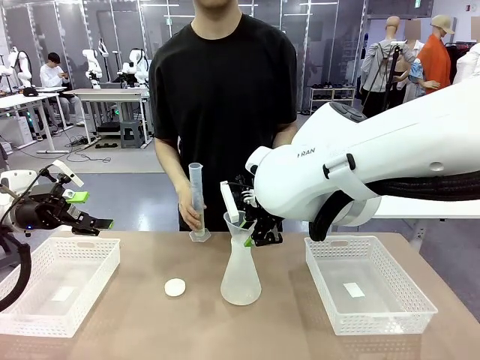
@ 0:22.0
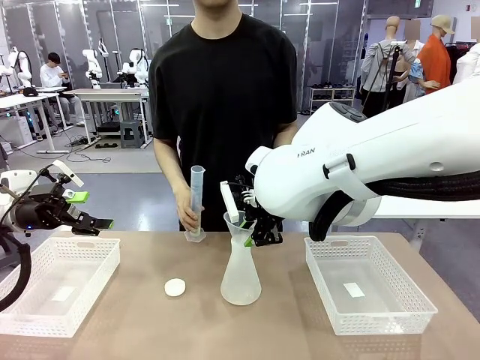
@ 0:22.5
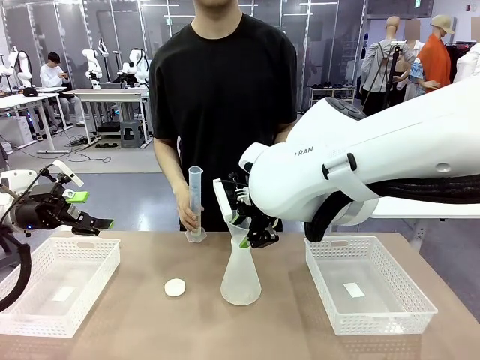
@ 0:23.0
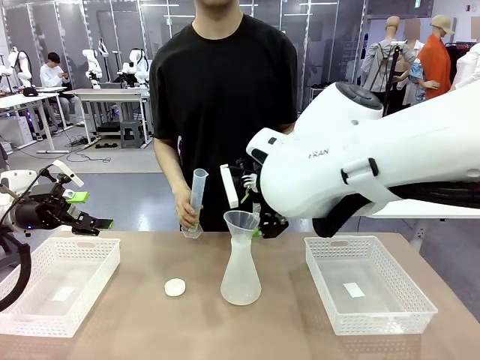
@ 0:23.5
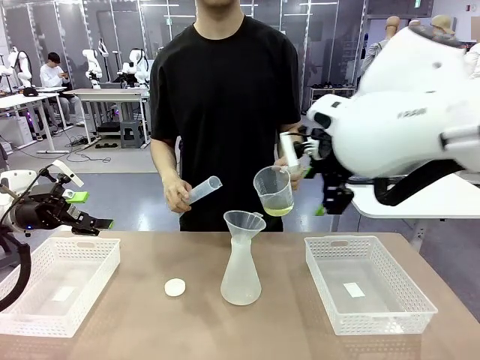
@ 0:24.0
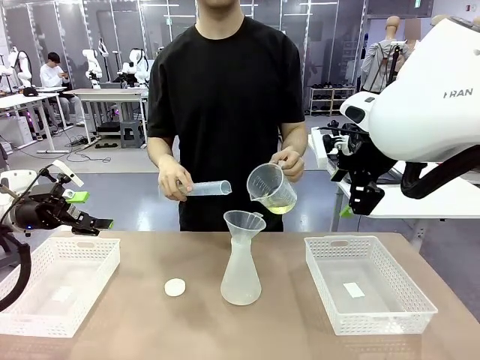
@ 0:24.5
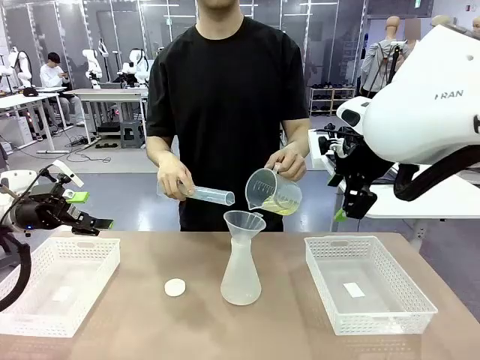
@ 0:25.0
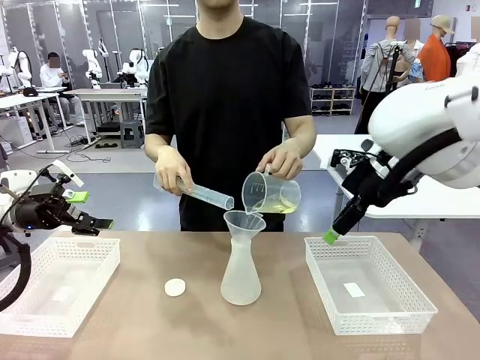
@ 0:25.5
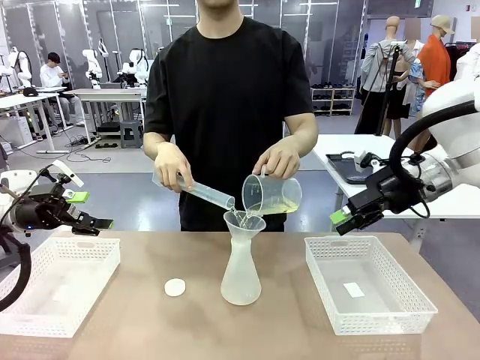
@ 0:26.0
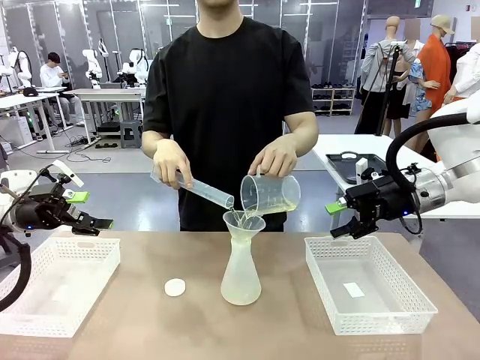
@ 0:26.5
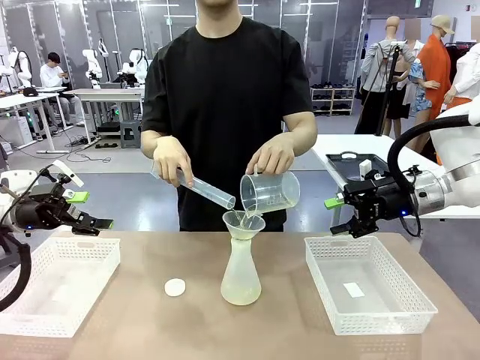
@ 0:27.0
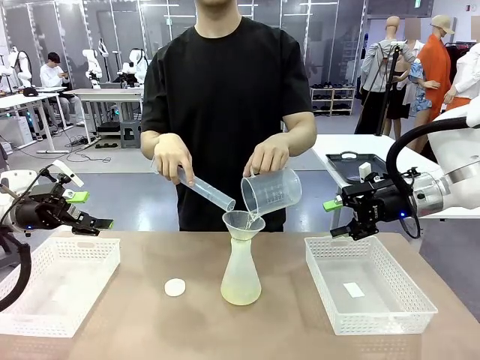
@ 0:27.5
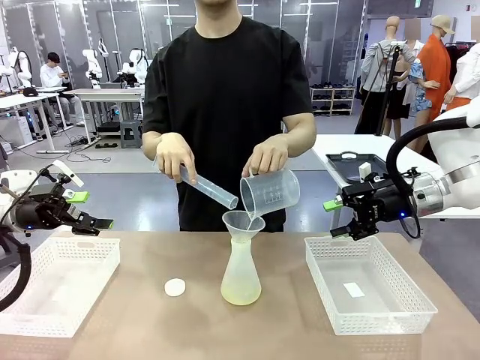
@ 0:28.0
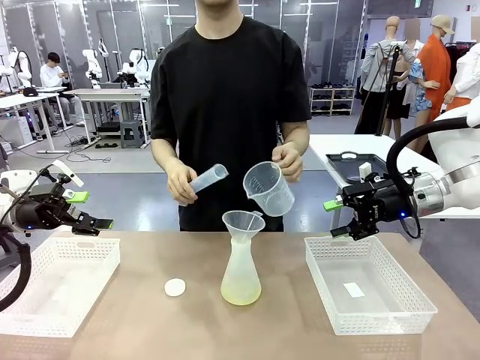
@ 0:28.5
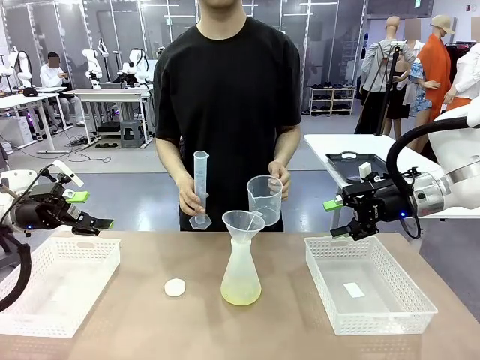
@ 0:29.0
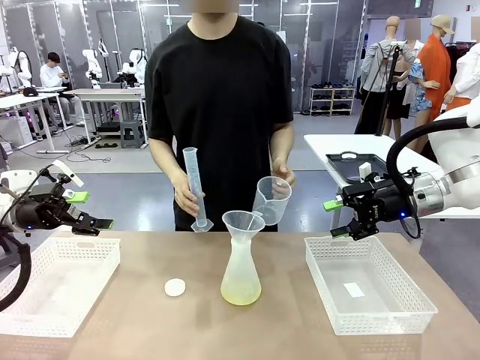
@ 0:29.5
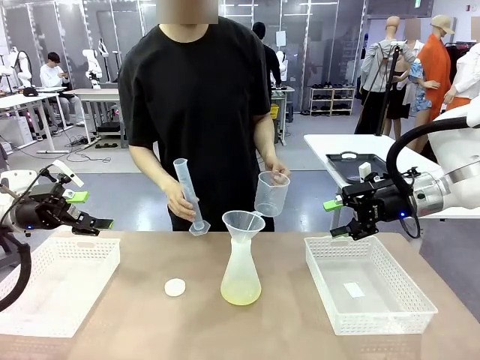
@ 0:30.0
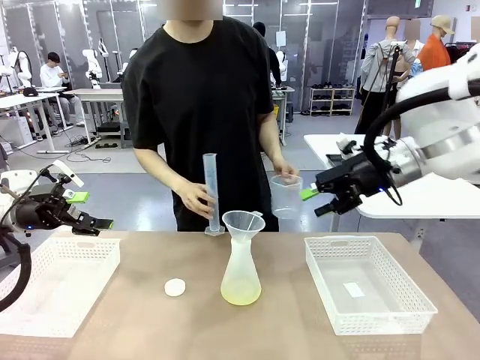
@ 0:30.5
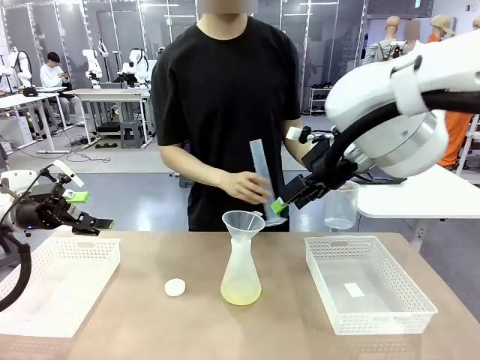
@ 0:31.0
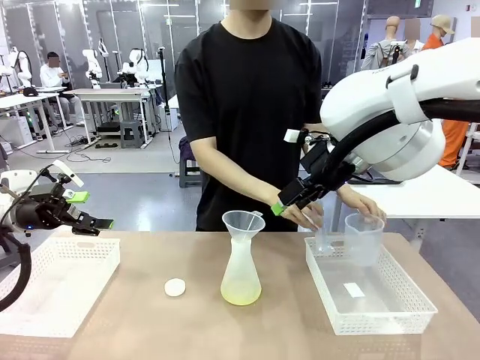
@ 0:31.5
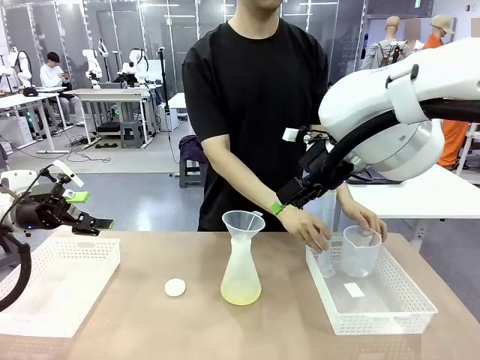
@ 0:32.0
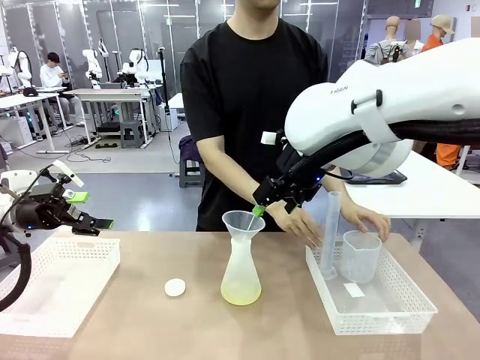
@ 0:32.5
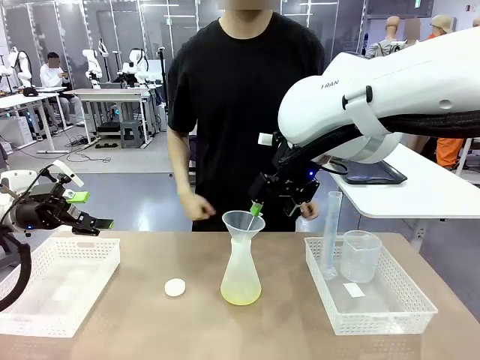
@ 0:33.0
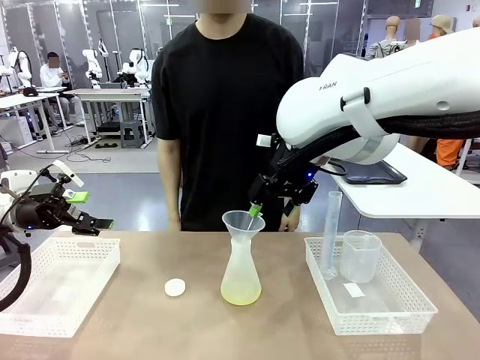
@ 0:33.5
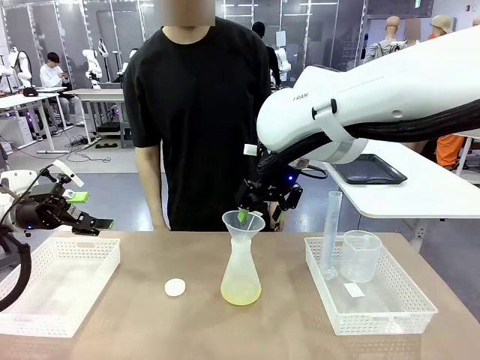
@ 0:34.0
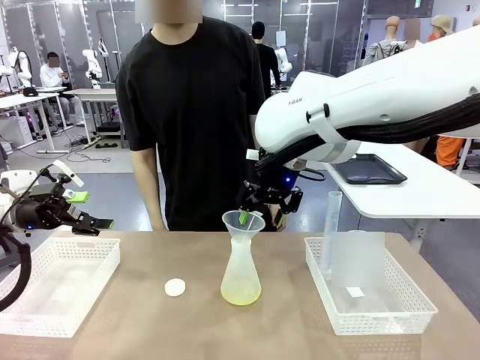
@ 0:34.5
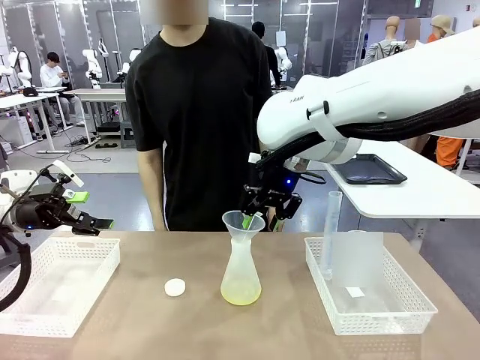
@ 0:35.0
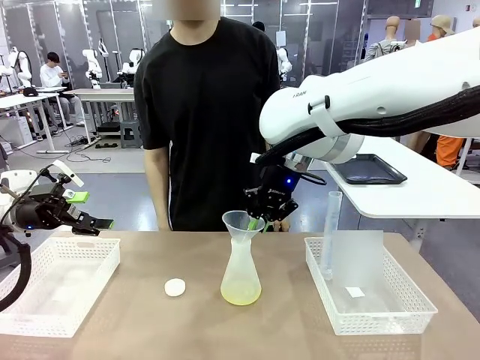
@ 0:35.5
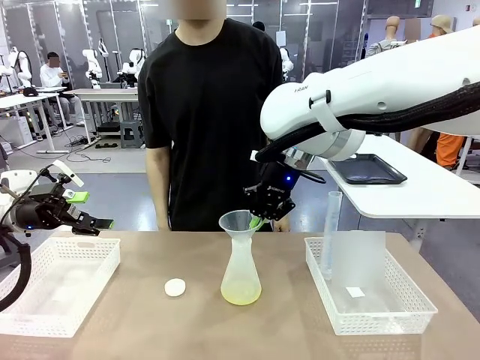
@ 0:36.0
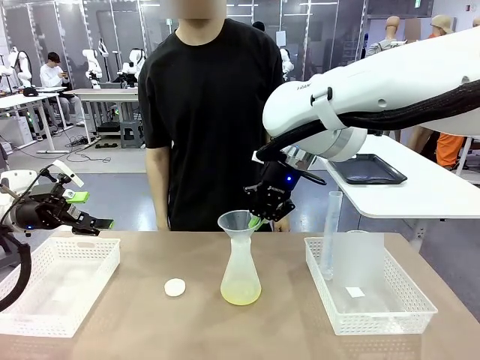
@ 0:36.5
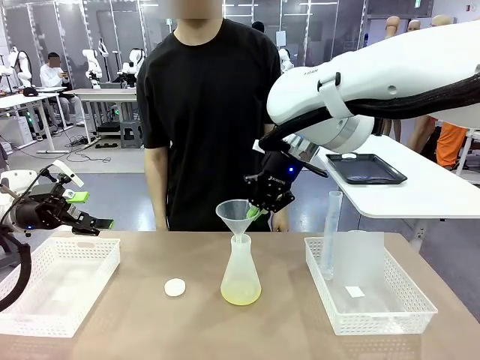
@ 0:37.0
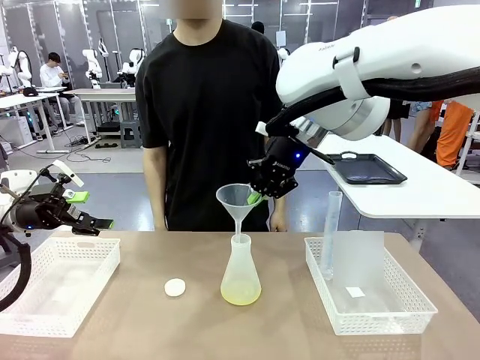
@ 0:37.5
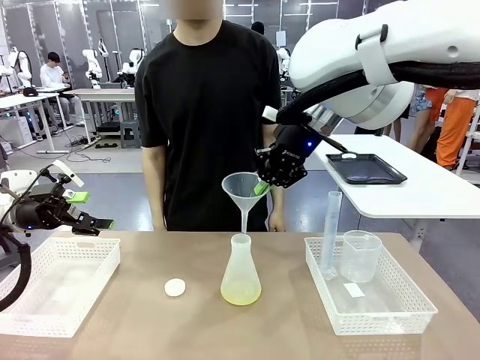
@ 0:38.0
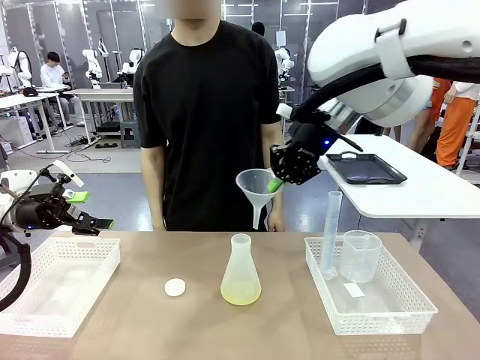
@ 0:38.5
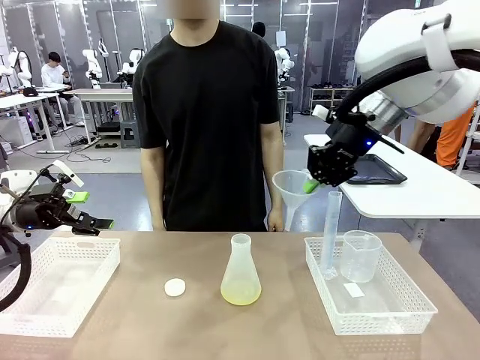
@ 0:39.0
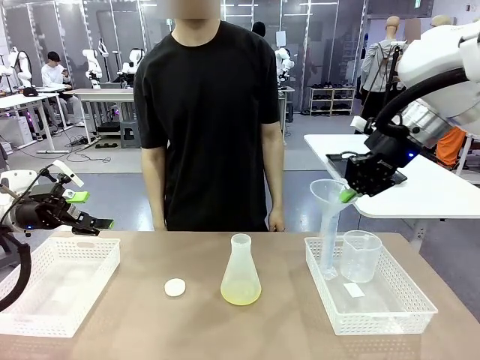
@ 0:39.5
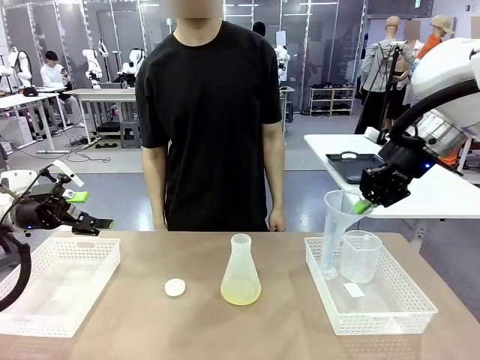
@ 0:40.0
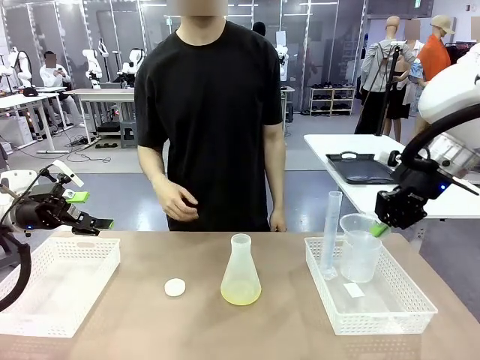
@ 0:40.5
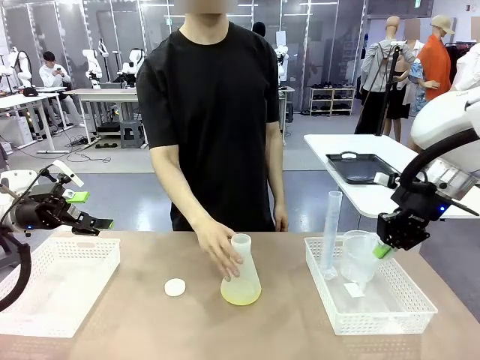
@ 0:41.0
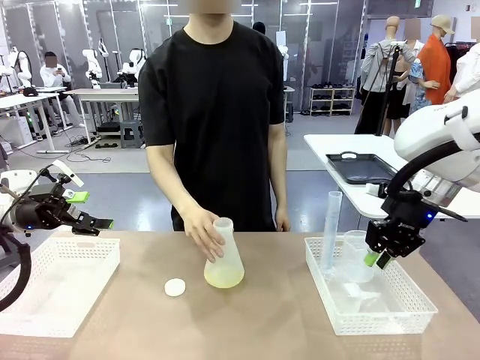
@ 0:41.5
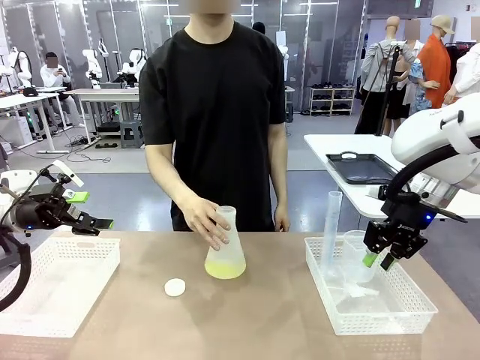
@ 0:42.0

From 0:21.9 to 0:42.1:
Task: Prepare the solutions needed for the experiment.
Robot: Once the solution is in the Big flask , pick up the Plastic Funnel and place it back into the right Organizing basket.
Person: Place the beaker and the cylinder into the organizing basket on the left side. Pick up the flask, gently shake it 2–3 times, place it in the middle of the robot table, and close the lid.

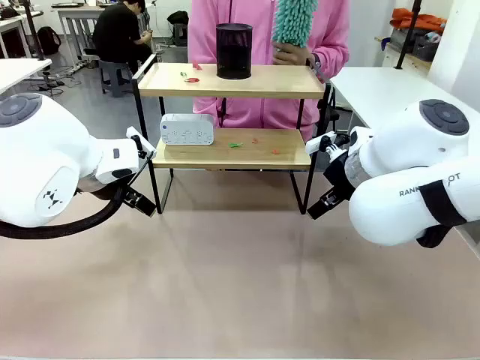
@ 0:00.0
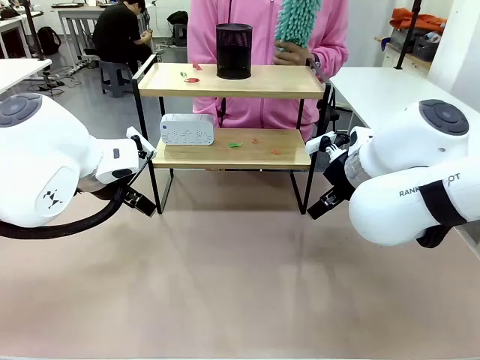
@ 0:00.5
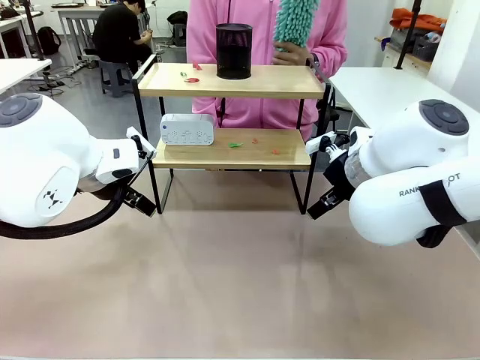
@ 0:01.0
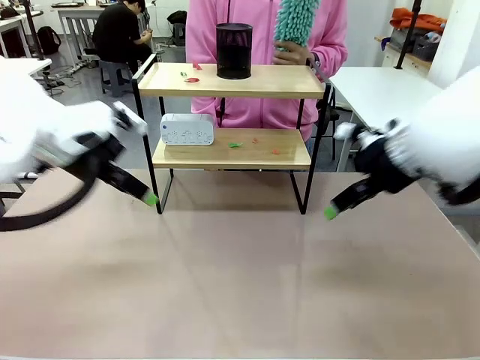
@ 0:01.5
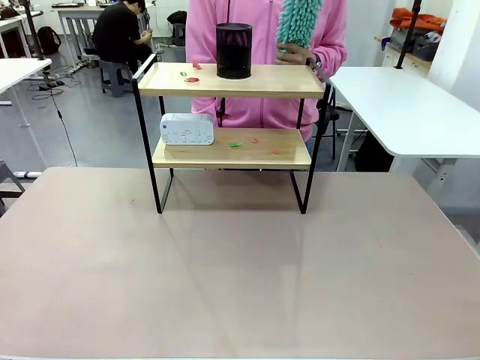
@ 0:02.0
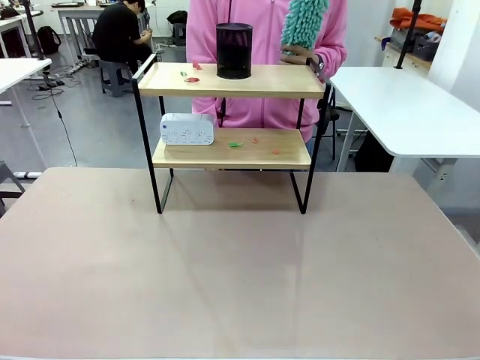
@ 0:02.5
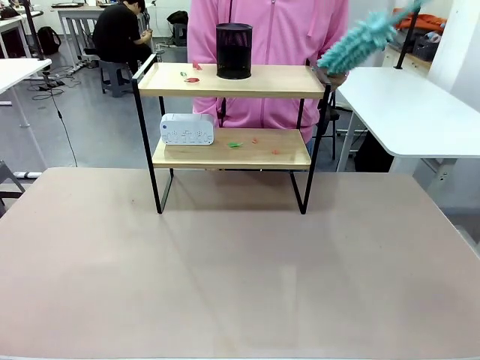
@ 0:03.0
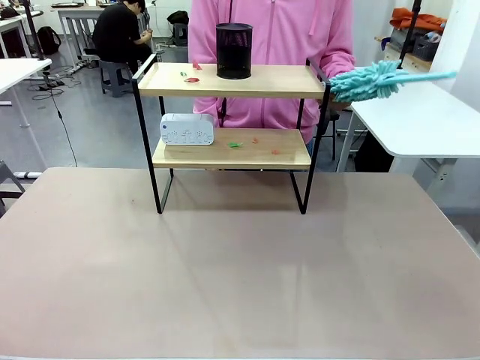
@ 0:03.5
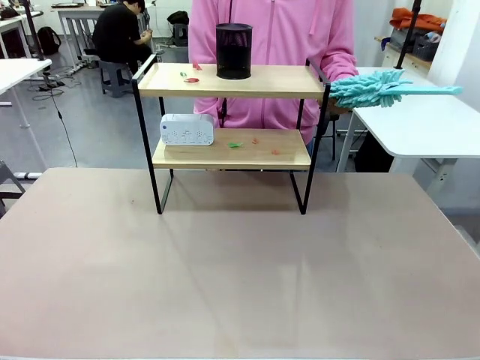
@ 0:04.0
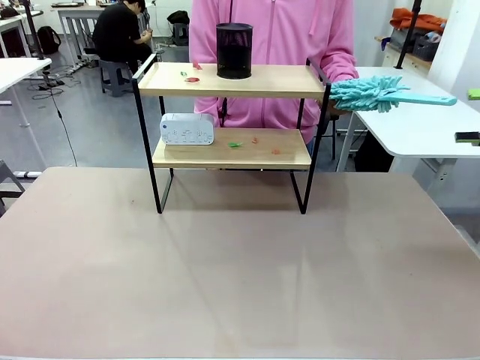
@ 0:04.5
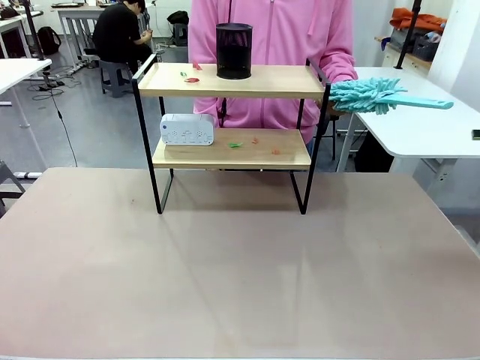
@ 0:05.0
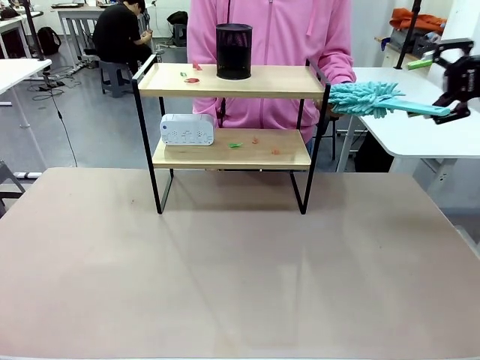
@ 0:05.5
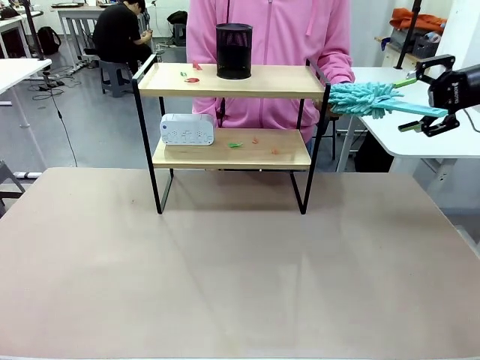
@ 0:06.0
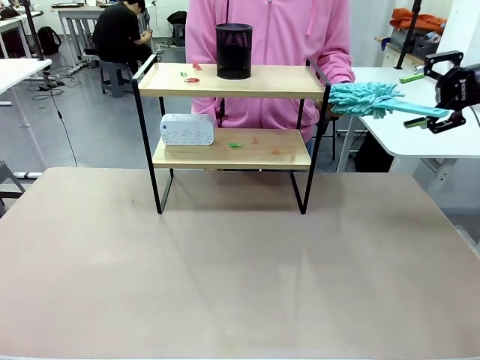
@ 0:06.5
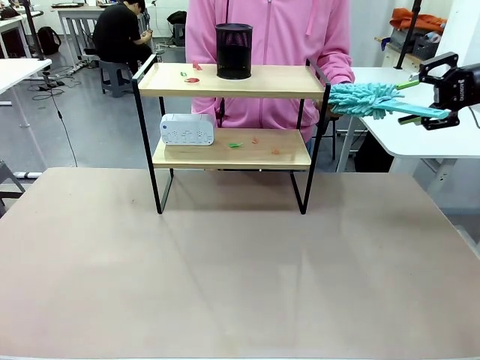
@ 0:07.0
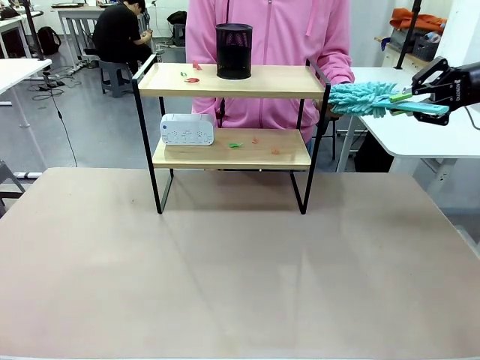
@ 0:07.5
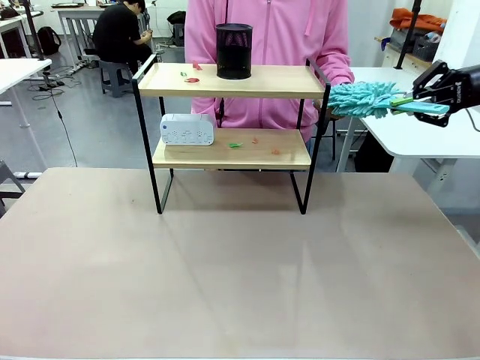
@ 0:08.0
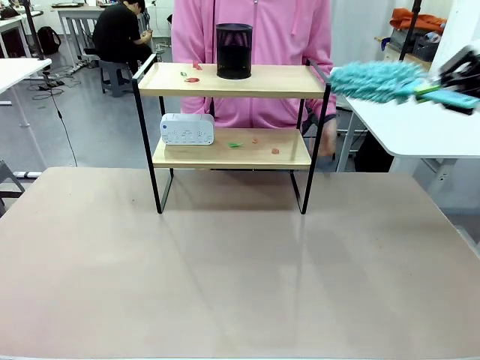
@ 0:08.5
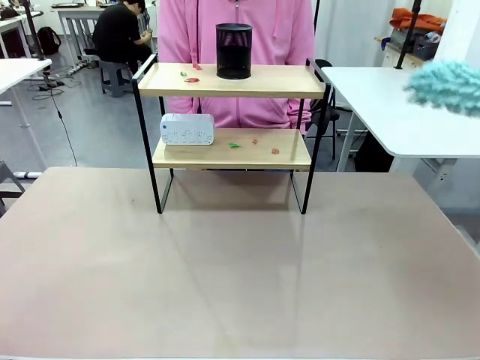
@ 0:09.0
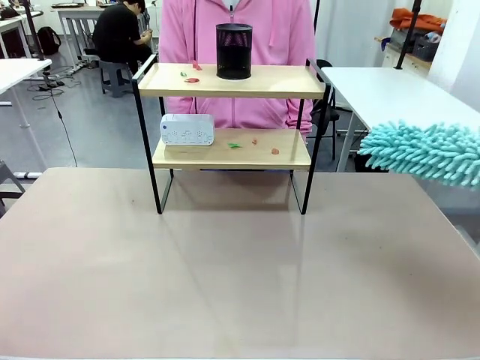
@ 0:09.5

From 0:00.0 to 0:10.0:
Task: Clean the shelf.
Robot: Pick up the Duster from the human.
Person: Hand the Duster to the robot.
